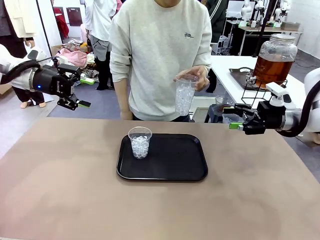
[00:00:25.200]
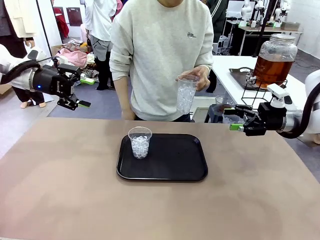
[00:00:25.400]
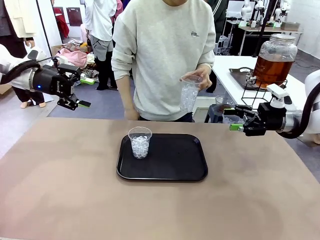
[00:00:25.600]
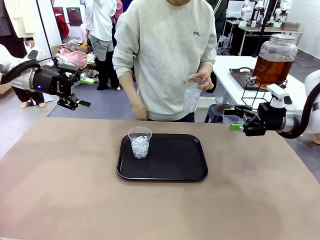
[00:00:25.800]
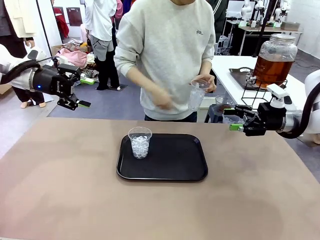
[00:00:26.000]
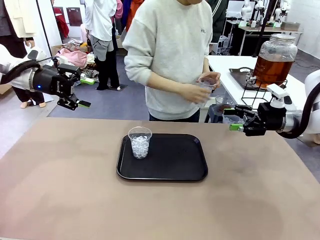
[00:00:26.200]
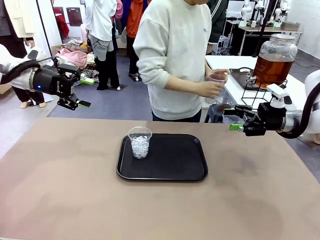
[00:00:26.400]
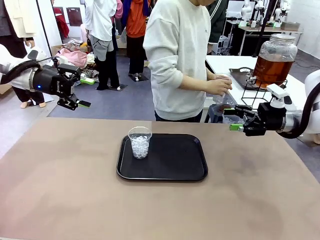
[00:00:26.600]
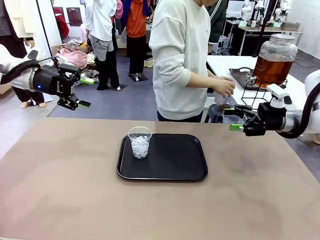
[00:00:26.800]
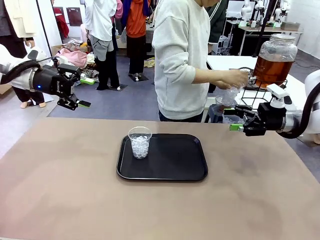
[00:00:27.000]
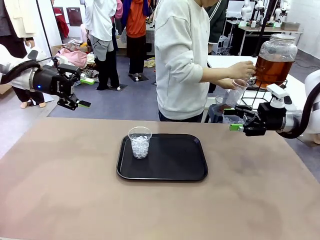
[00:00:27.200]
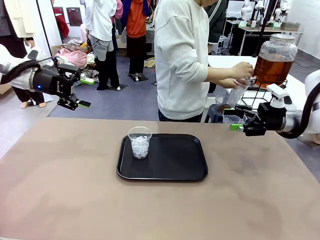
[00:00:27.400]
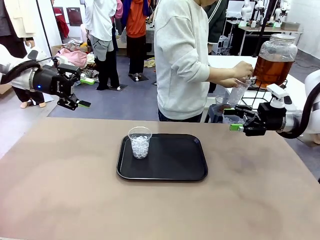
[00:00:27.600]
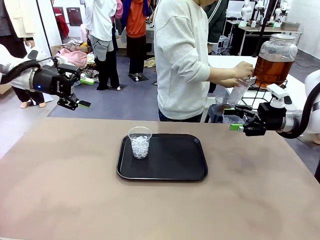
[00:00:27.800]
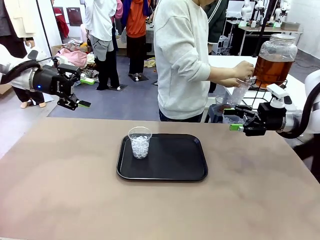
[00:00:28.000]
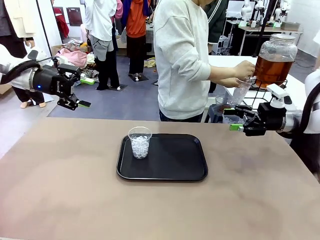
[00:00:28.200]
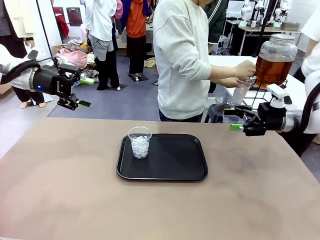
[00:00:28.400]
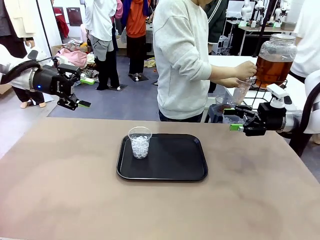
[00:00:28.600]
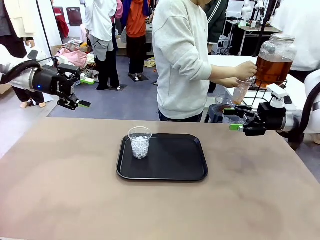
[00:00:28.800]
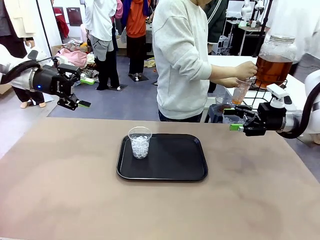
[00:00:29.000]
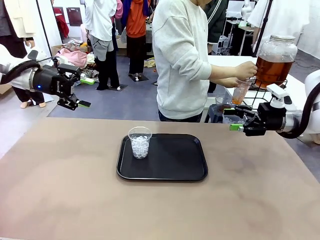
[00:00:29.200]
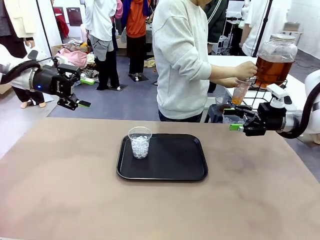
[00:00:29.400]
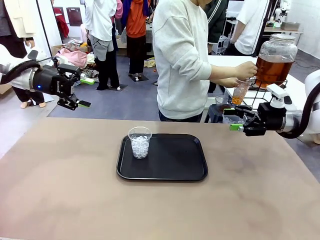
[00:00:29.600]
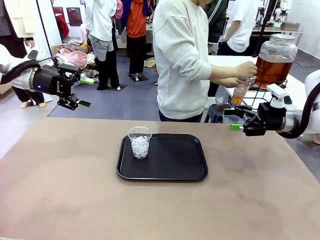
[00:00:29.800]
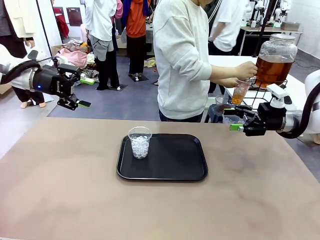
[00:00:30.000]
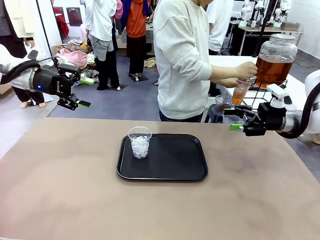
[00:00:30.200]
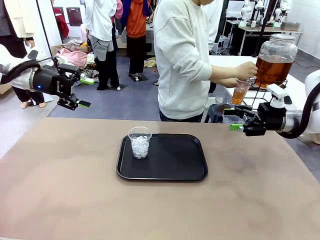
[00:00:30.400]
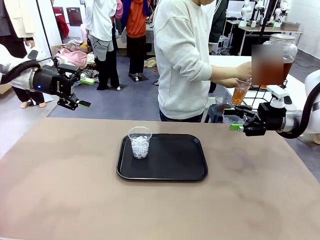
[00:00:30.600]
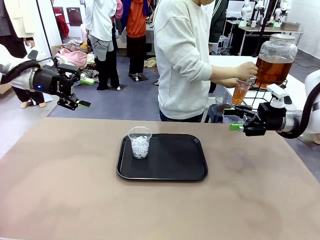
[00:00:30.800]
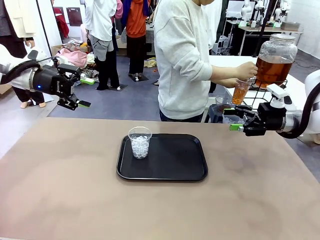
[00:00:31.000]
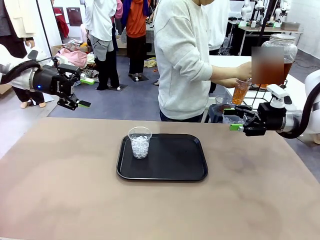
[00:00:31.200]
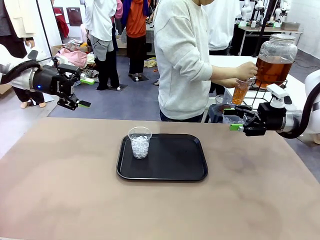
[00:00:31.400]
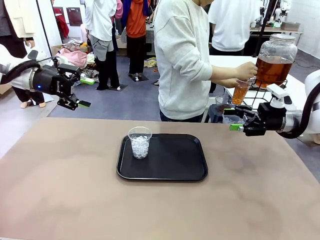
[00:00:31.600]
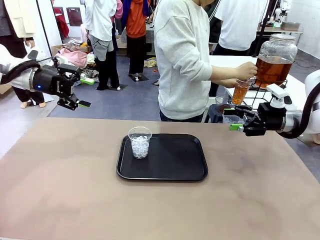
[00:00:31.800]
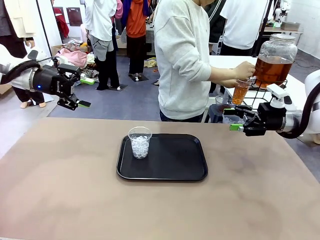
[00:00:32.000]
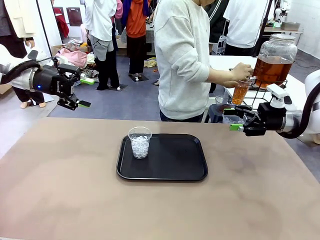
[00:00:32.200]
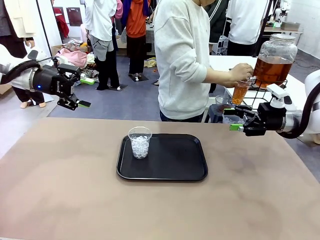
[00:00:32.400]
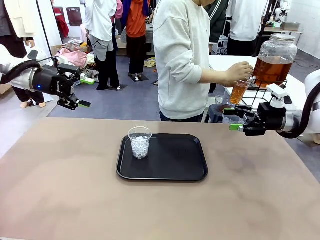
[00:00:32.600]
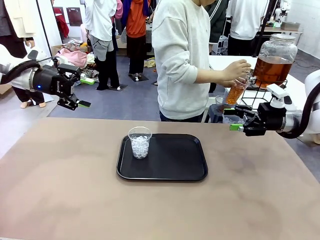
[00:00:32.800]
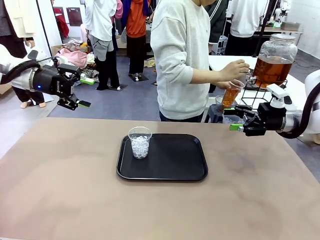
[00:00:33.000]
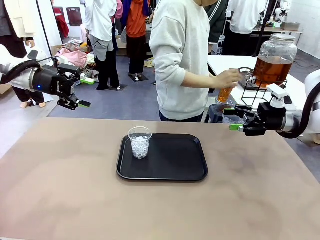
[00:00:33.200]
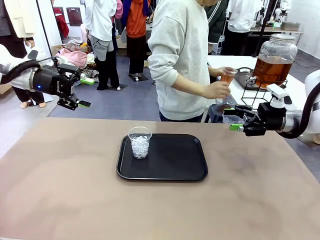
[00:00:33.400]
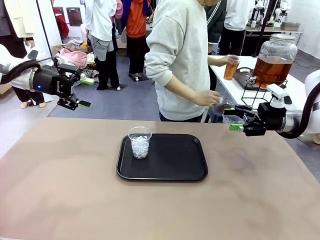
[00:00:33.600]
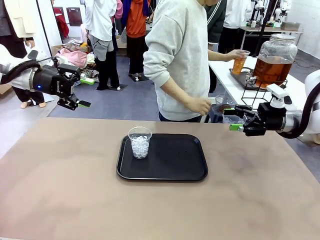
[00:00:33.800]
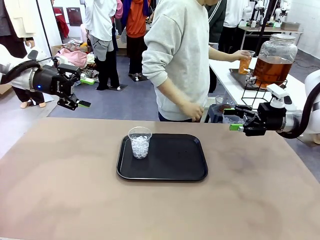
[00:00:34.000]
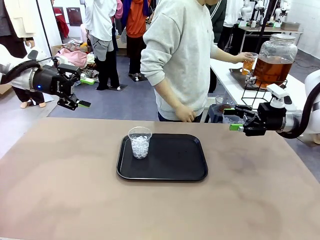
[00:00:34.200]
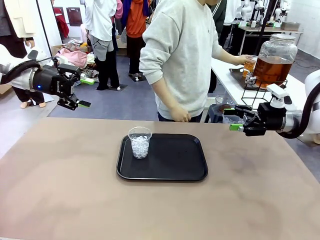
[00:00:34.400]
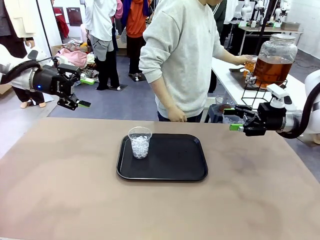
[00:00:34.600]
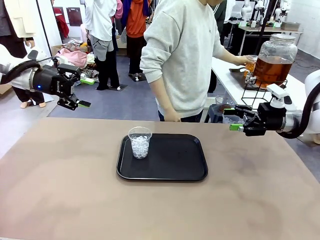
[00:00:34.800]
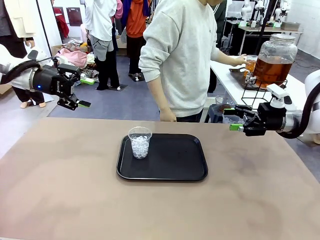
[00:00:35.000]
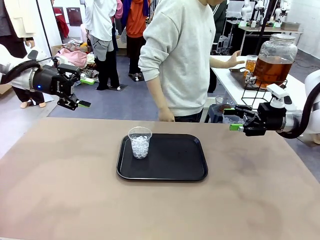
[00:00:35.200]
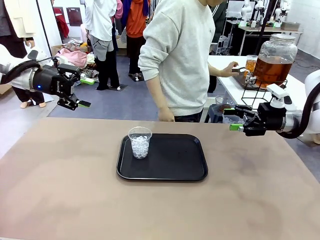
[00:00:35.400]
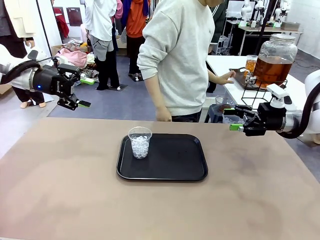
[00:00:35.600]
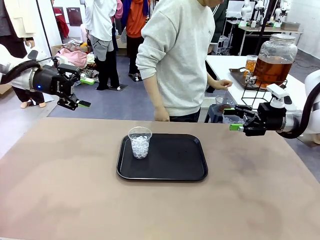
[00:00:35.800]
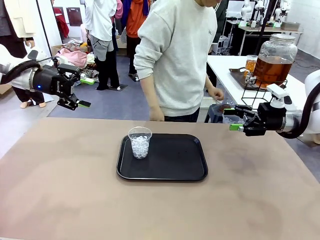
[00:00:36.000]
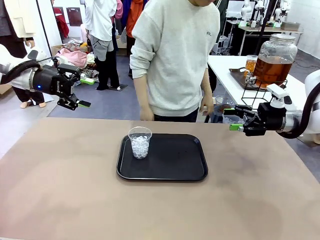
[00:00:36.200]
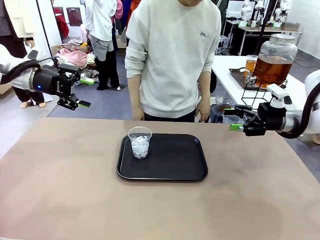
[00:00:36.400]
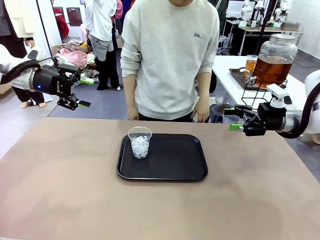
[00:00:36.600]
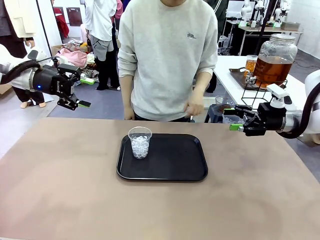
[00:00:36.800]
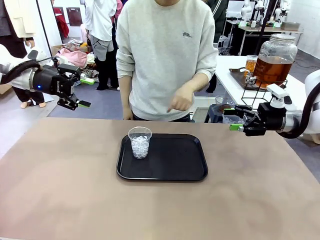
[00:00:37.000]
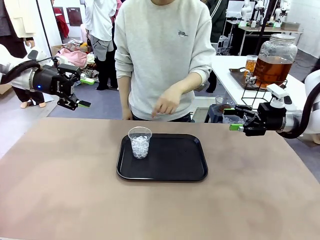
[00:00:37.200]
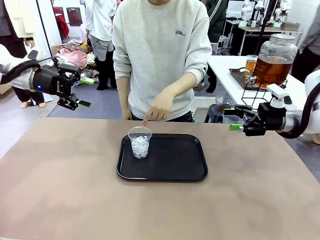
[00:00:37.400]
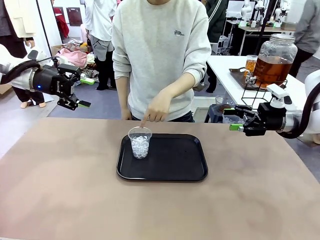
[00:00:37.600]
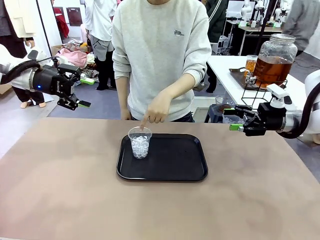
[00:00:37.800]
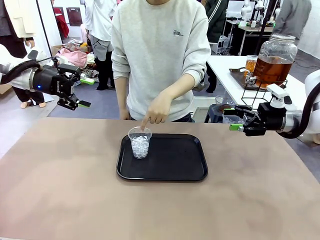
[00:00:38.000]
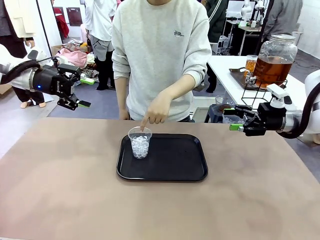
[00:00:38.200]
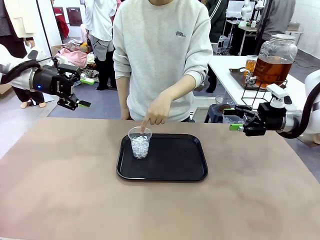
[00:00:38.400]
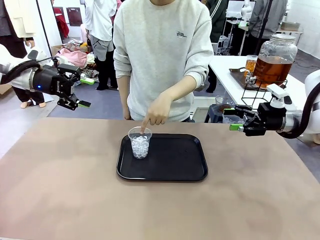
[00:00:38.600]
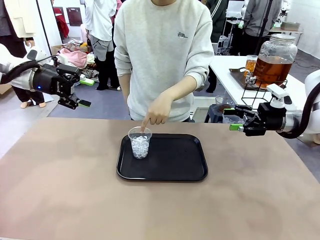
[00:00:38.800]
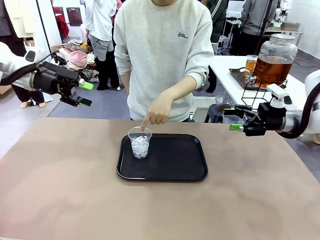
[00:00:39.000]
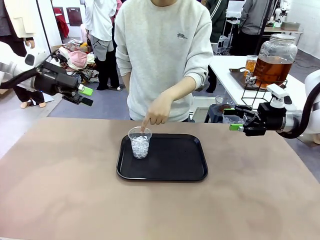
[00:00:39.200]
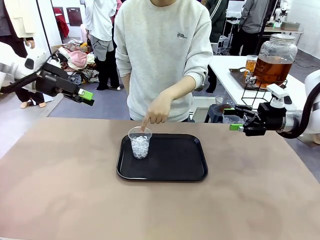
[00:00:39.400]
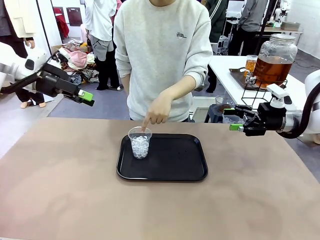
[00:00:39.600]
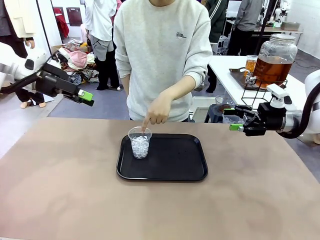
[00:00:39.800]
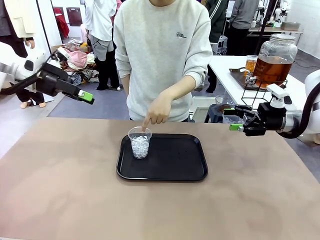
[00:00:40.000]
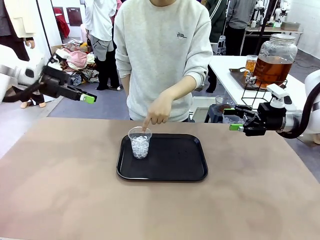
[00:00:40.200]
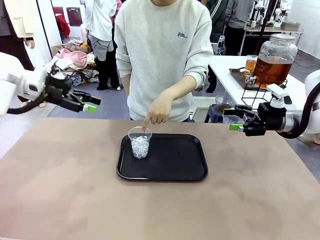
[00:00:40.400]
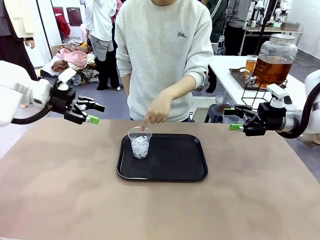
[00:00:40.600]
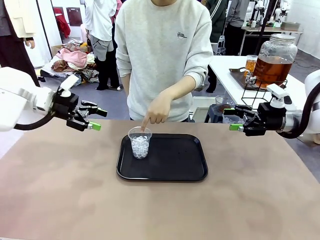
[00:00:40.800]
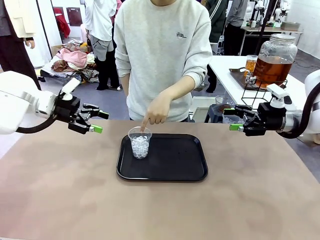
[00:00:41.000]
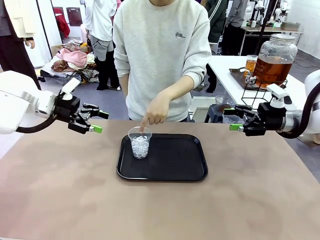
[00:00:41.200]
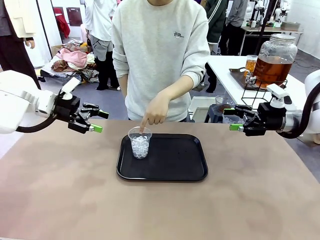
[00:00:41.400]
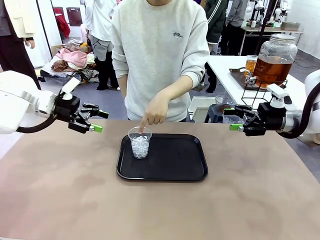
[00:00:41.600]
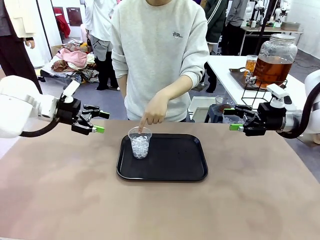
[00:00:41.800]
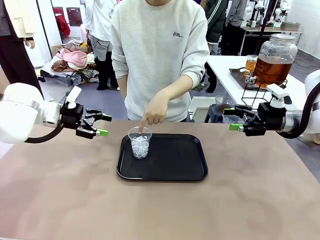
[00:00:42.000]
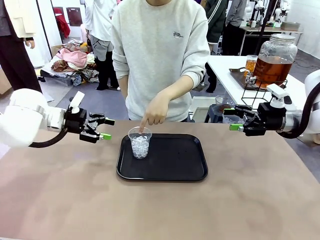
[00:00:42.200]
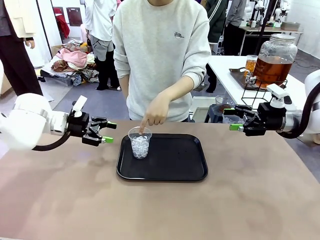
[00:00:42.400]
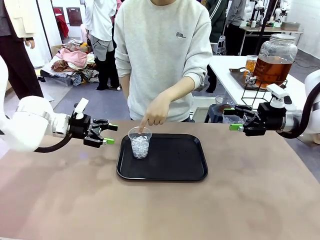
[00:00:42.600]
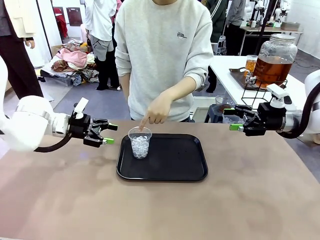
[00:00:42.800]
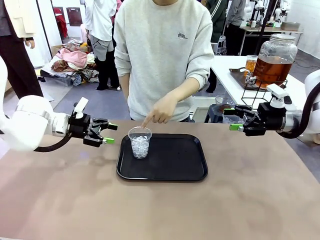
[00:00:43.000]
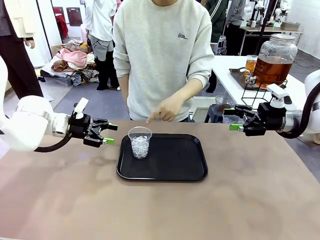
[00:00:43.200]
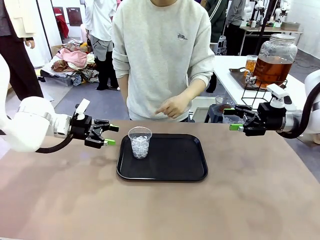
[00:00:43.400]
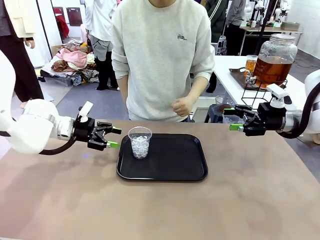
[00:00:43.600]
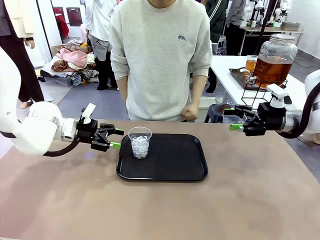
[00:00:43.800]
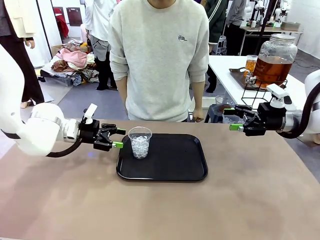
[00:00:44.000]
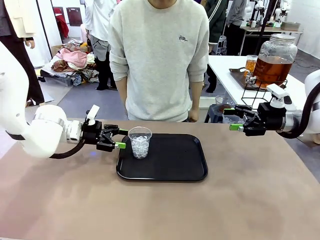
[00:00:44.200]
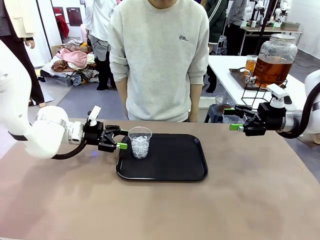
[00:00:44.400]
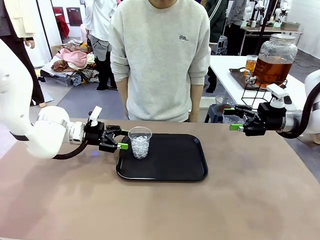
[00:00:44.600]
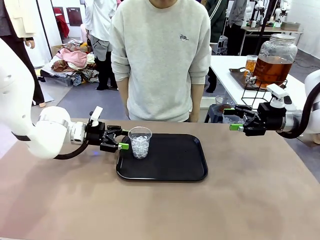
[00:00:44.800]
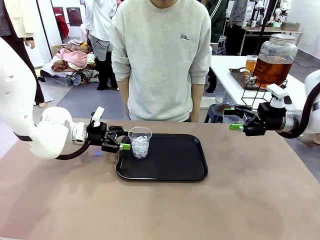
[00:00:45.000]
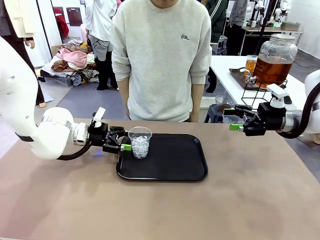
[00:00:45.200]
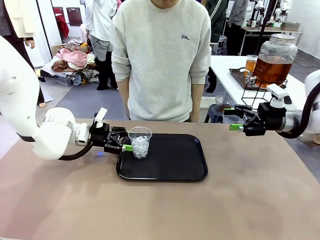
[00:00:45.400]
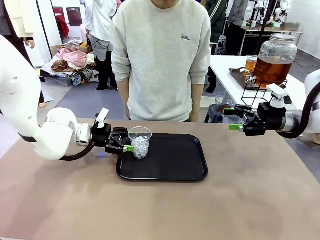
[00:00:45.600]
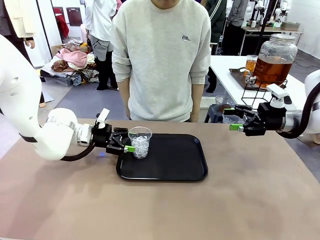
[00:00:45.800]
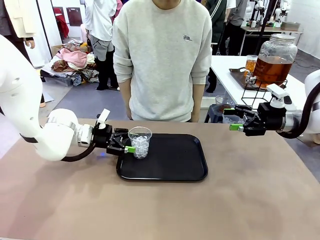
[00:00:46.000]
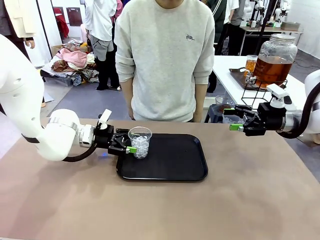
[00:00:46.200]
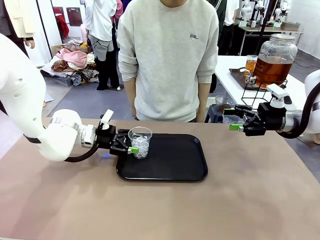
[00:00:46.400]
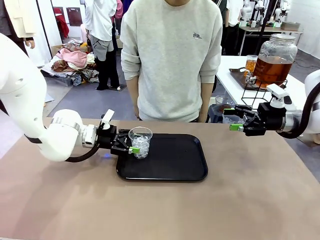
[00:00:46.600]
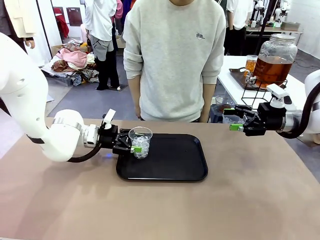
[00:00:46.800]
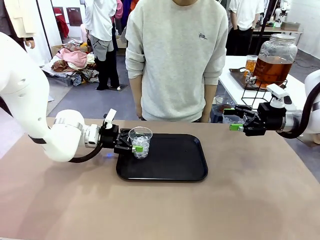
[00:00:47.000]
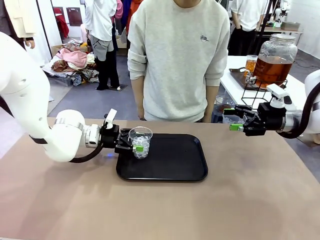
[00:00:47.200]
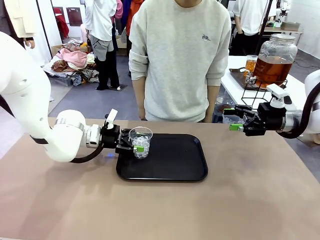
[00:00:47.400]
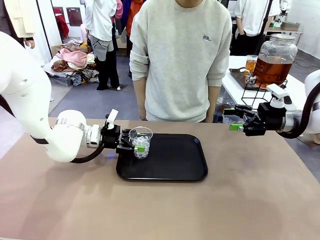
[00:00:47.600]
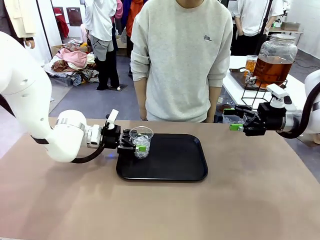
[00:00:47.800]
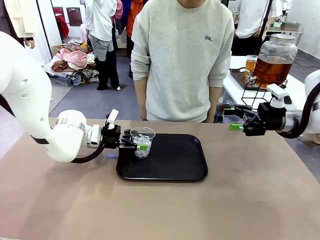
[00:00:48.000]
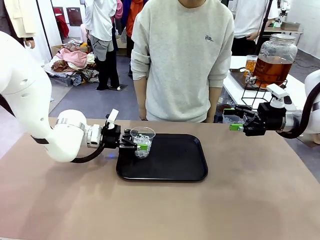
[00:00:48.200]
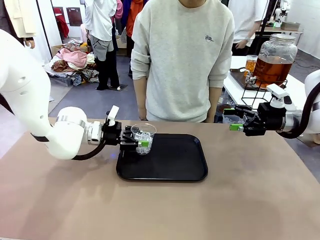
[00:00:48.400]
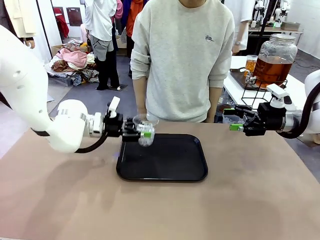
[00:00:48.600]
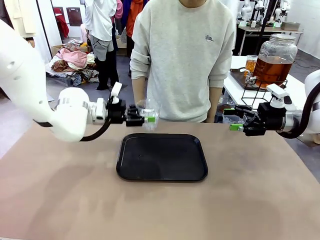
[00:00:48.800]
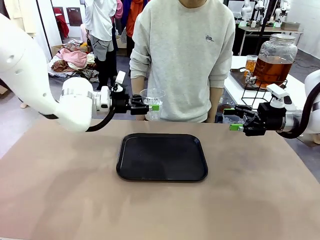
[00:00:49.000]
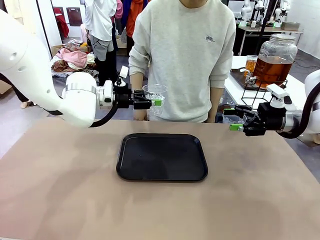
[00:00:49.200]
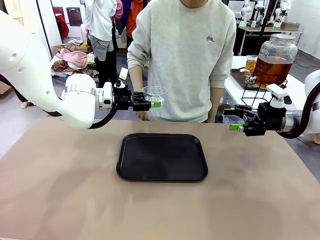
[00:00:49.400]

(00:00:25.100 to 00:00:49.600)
Task: Pour the drink into the iced cup.
Robot: Pick up the iced cup indicated by the human and present it to them.
Person: Move the picked-up cup under the dispenser faucet, pour the drink, and place it on the tray on the human table. Point to the remaining ice cup on the robot table. Pick up the cup offered by the robot.
